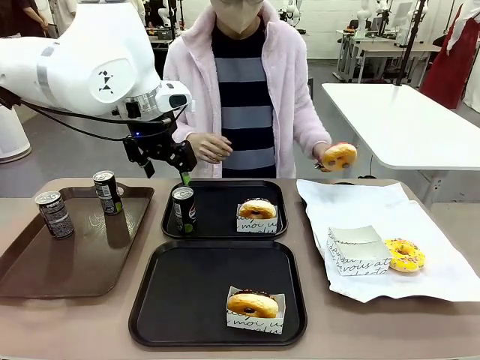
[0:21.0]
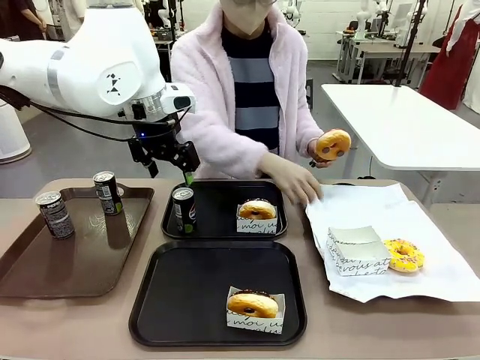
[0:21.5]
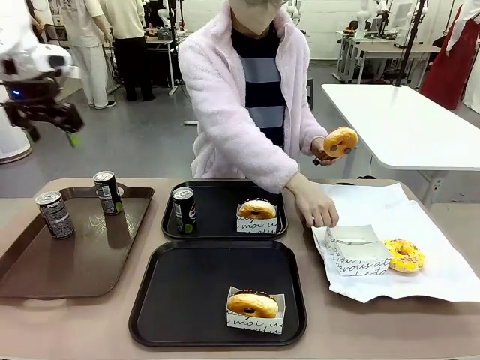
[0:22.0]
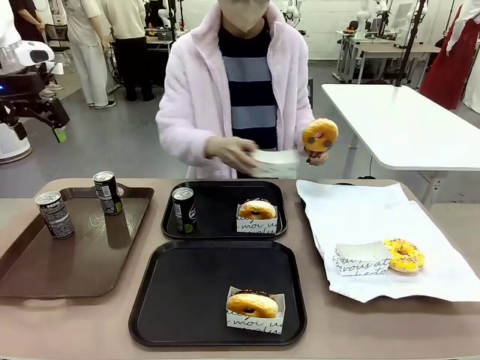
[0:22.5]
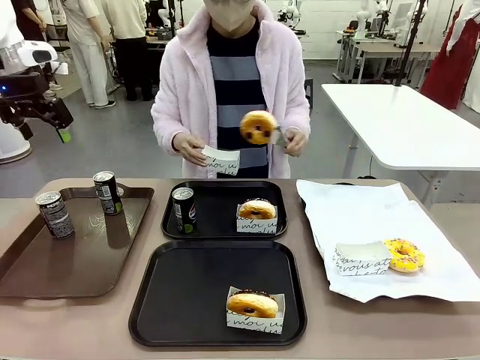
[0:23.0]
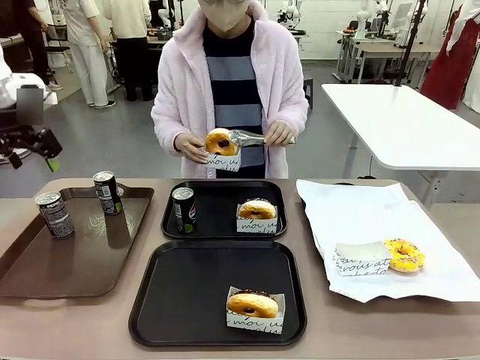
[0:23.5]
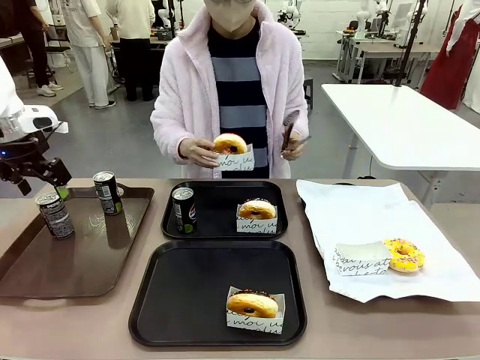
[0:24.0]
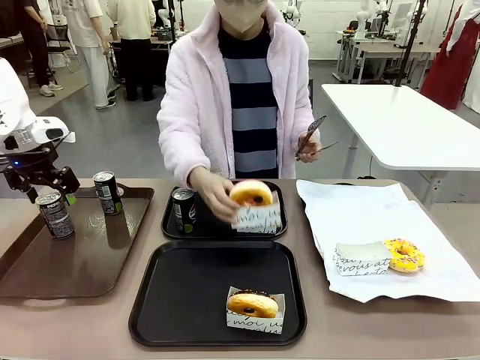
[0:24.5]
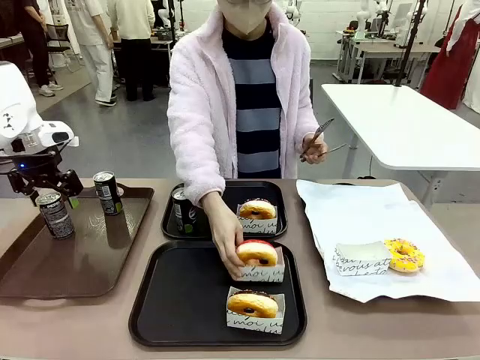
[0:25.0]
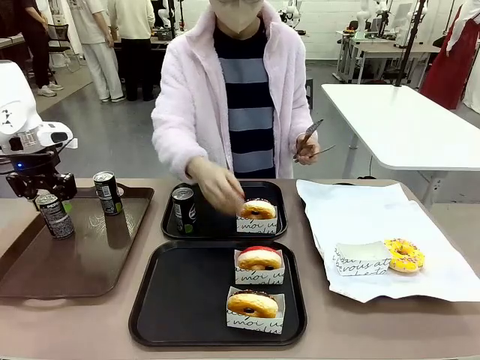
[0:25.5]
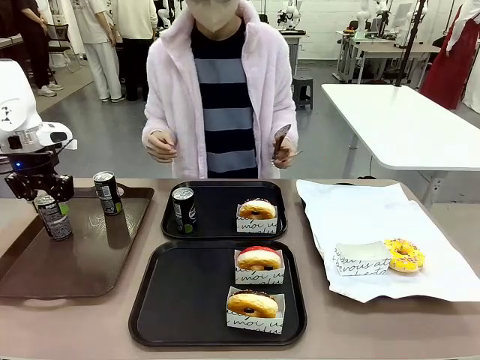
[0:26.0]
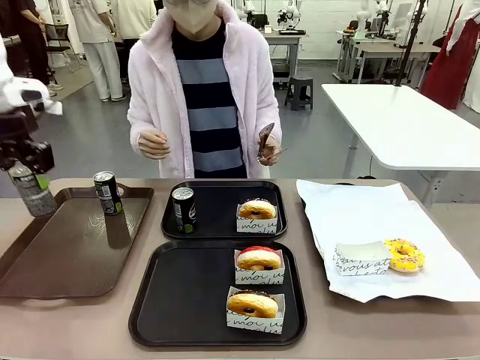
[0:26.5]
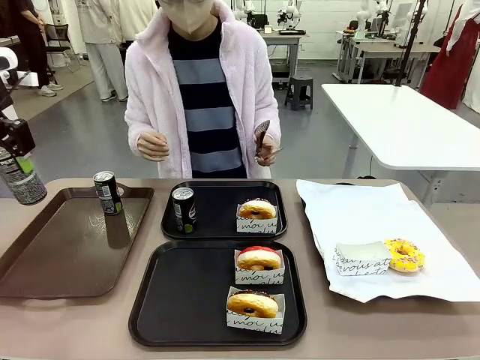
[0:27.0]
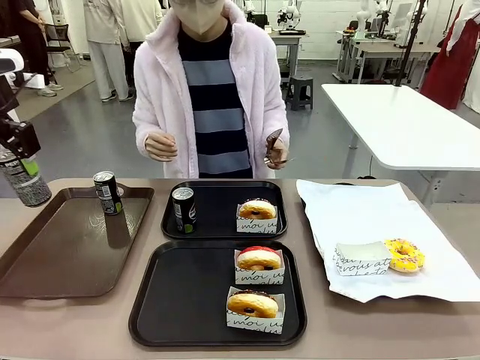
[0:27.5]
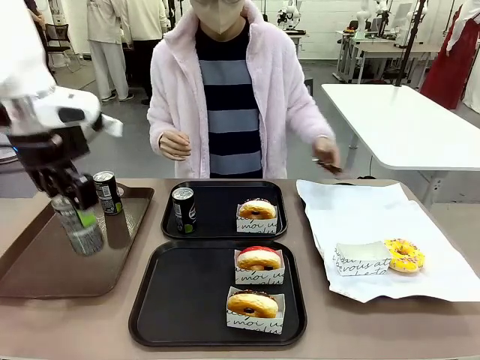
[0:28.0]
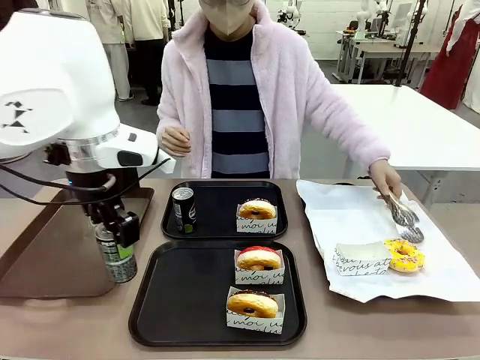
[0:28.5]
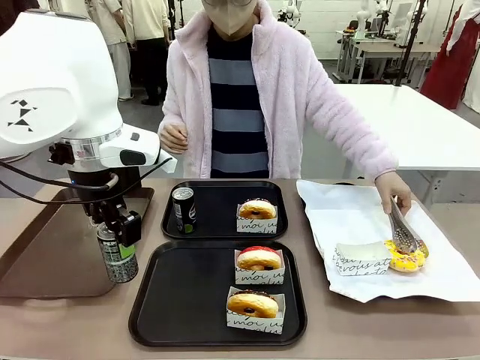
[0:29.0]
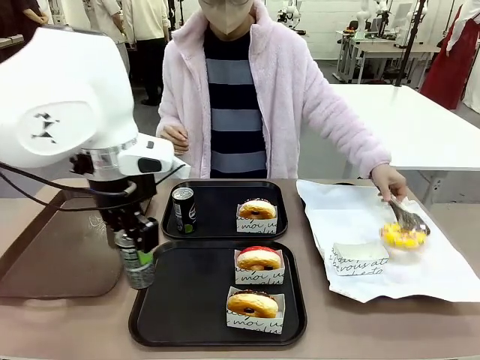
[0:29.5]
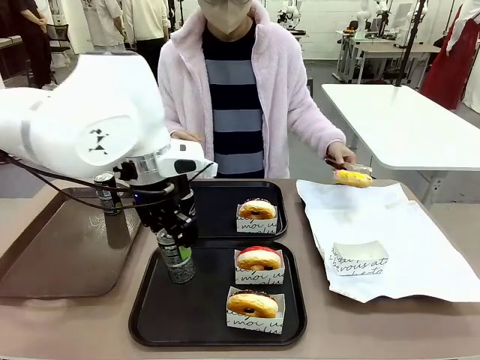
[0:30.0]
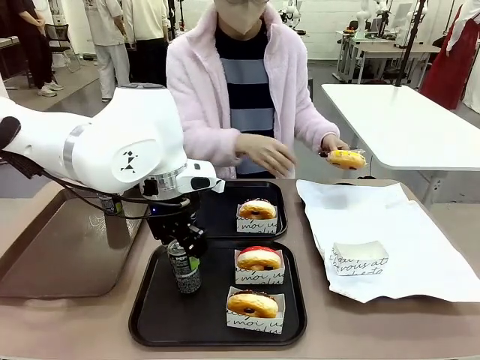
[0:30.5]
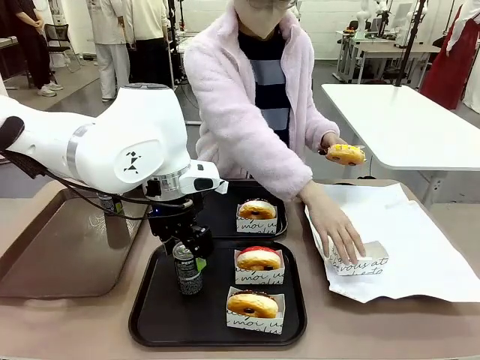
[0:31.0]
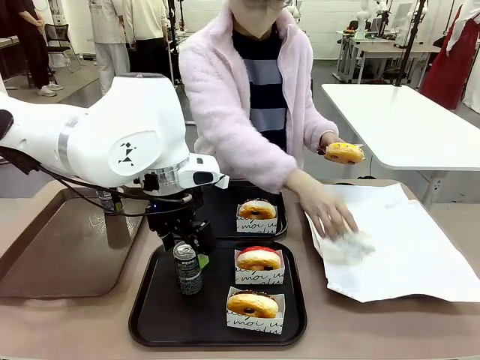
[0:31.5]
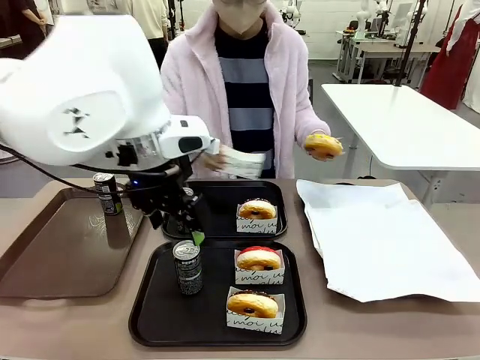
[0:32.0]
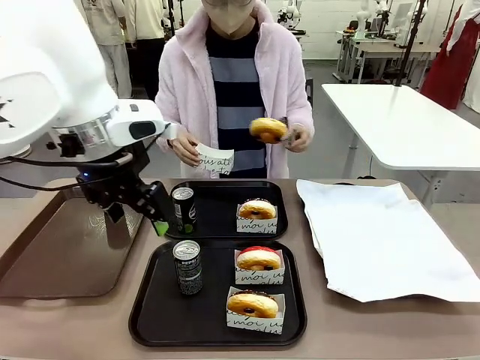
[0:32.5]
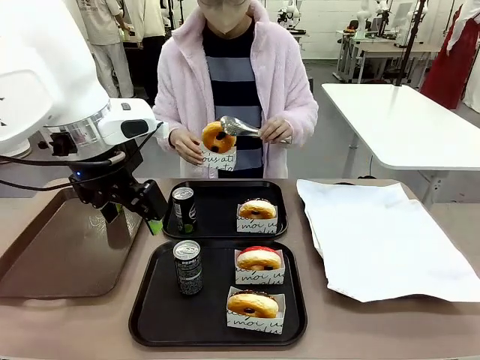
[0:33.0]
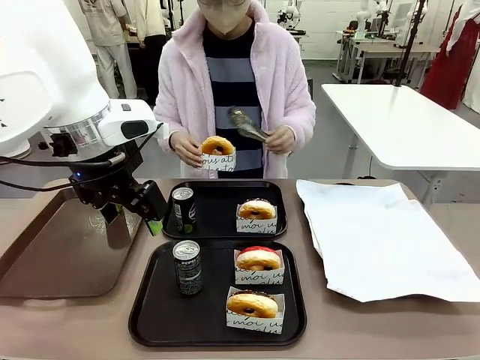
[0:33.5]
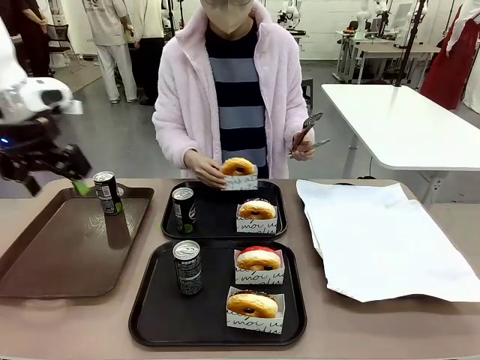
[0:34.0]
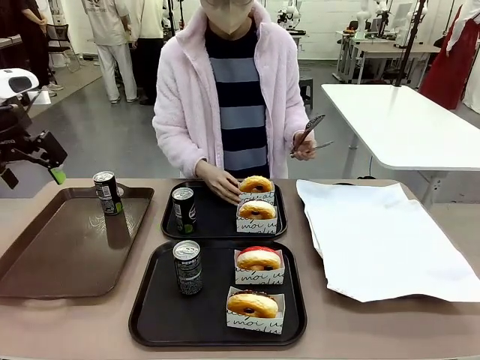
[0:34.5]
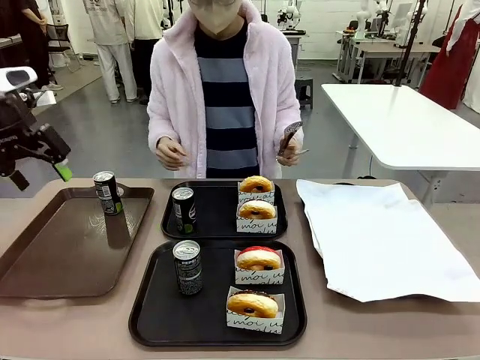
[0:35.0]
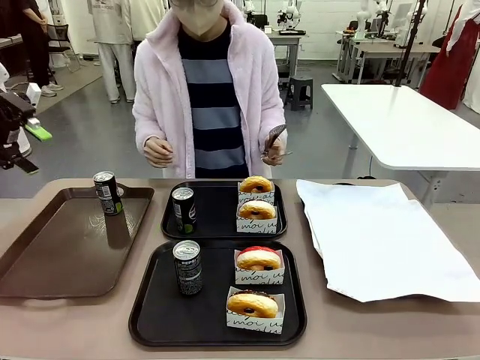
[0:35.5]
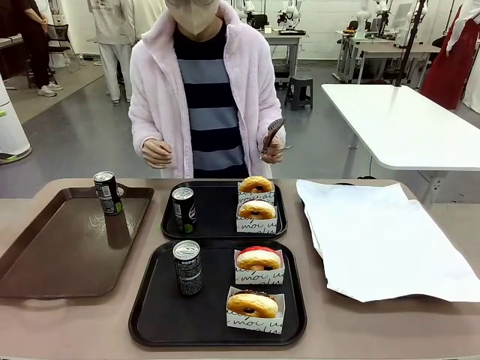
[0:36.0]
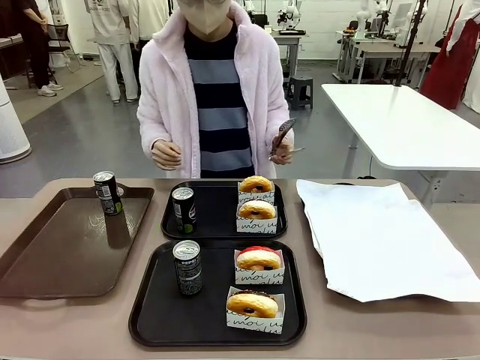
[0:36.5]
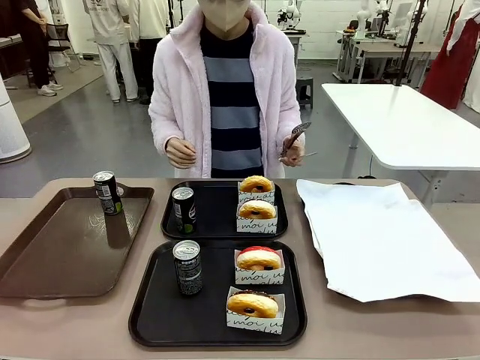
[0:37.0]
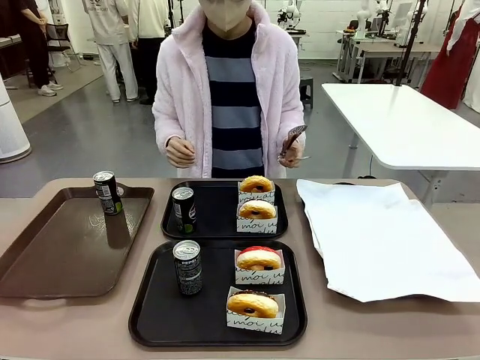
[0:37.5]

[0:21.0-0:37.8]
Task: Set up donuts and drinks on trays.
Robot: Pick up one Pepsi coke from the Handle tray and place it on the Flat Tray without a Pepsi coke.

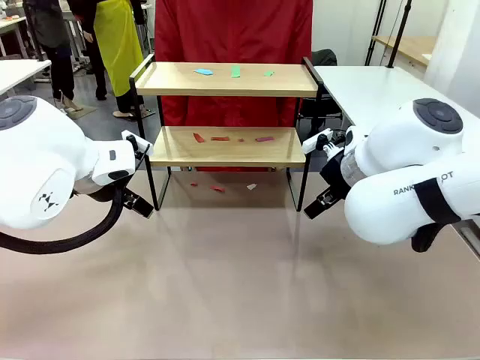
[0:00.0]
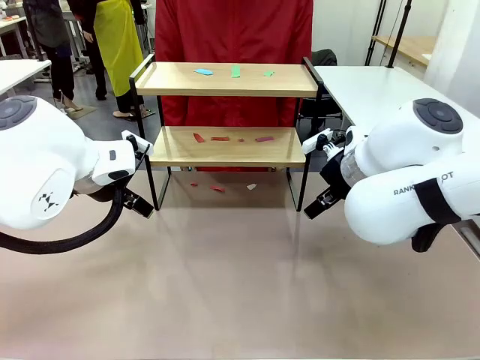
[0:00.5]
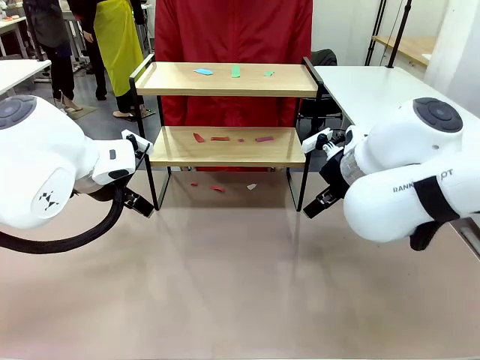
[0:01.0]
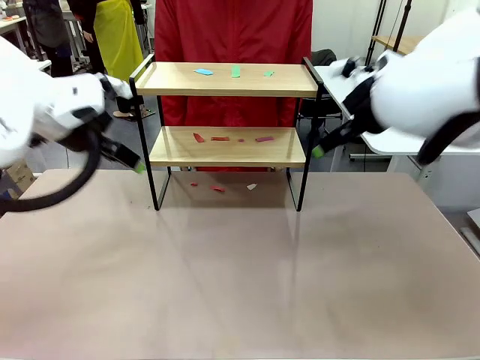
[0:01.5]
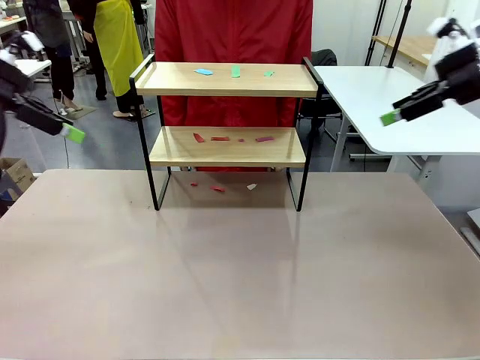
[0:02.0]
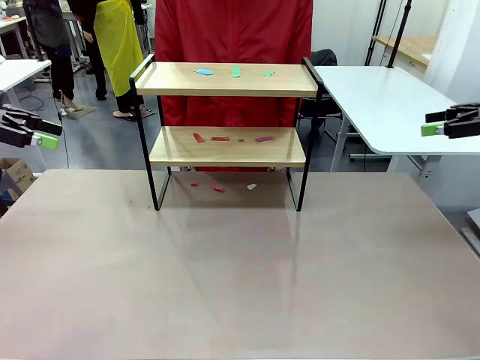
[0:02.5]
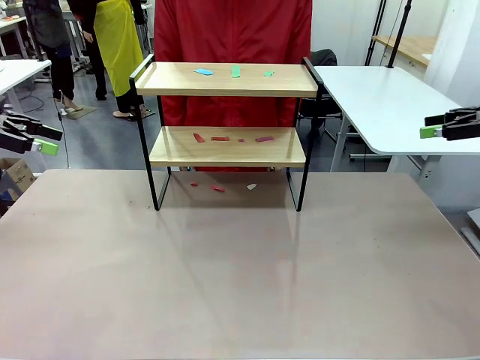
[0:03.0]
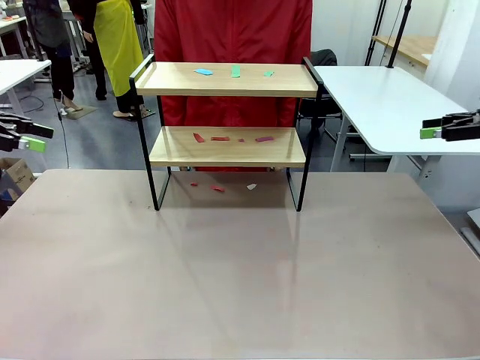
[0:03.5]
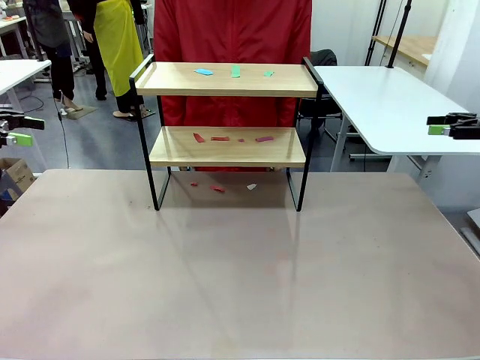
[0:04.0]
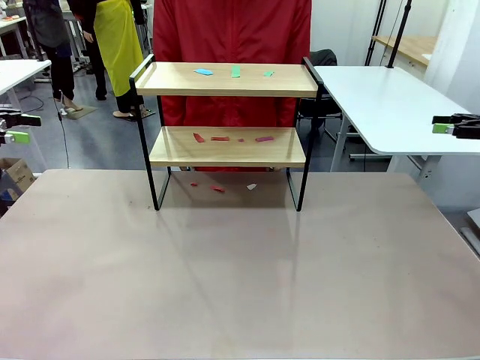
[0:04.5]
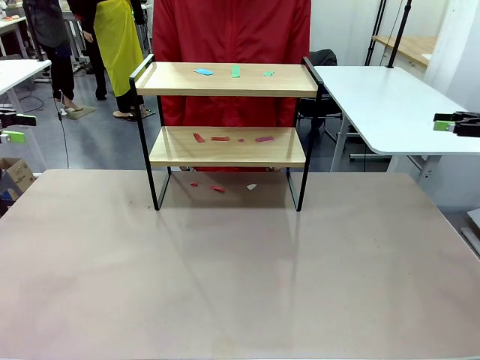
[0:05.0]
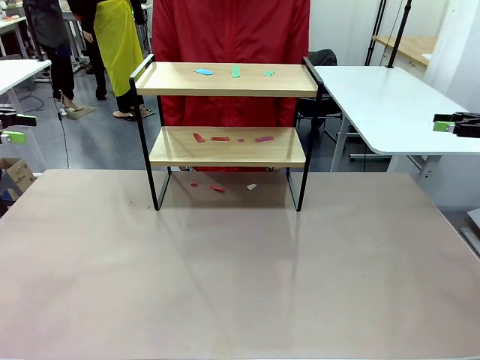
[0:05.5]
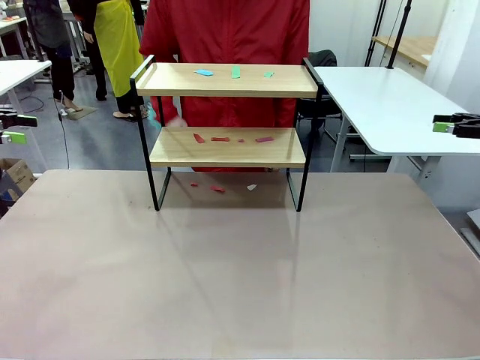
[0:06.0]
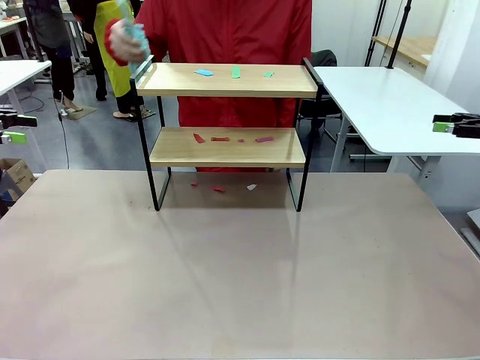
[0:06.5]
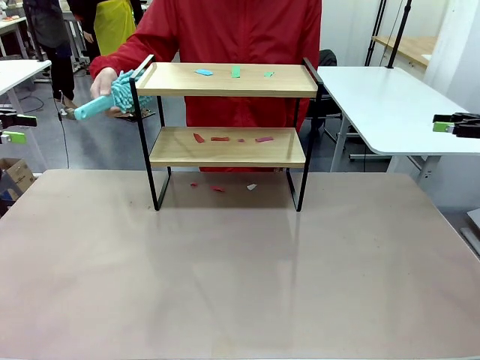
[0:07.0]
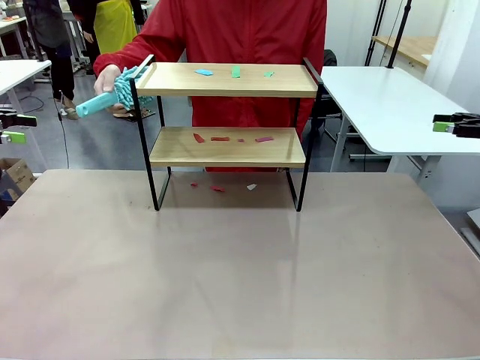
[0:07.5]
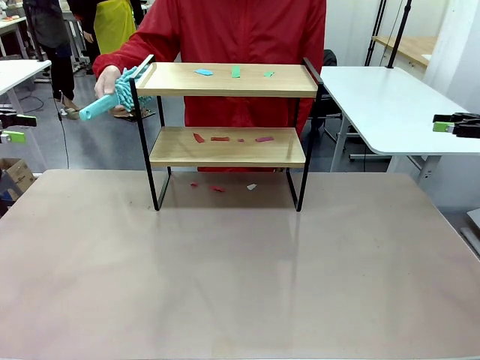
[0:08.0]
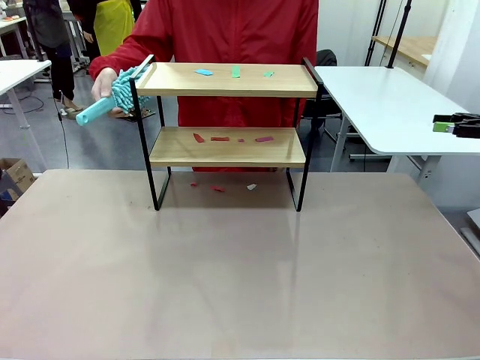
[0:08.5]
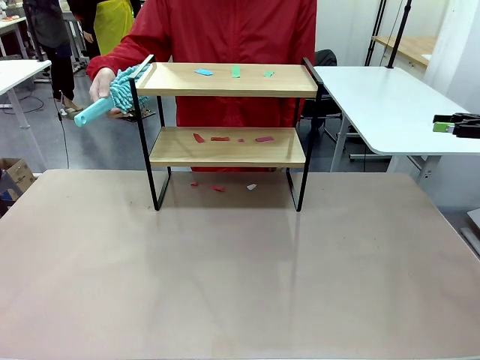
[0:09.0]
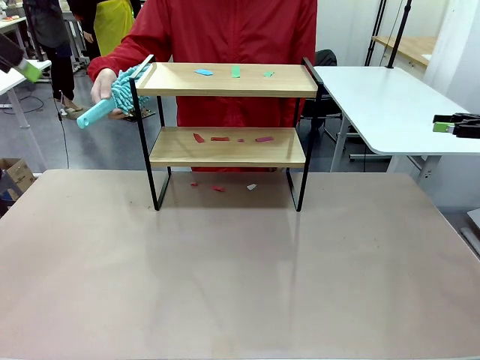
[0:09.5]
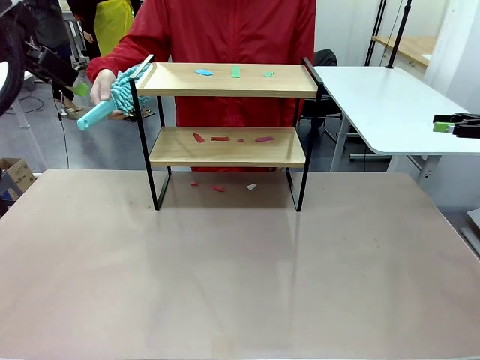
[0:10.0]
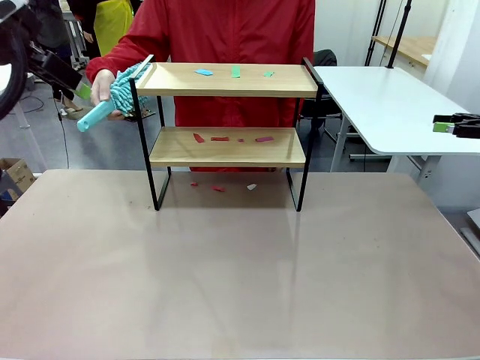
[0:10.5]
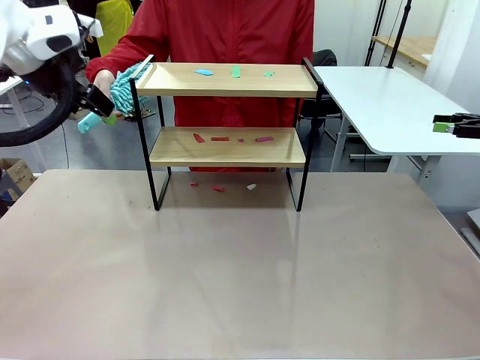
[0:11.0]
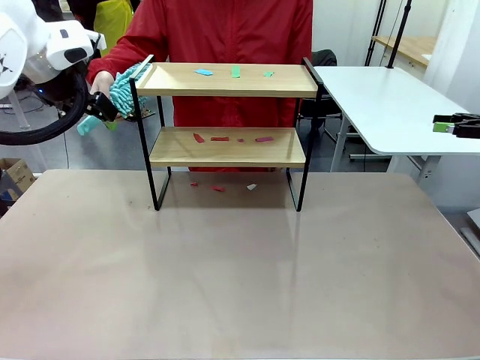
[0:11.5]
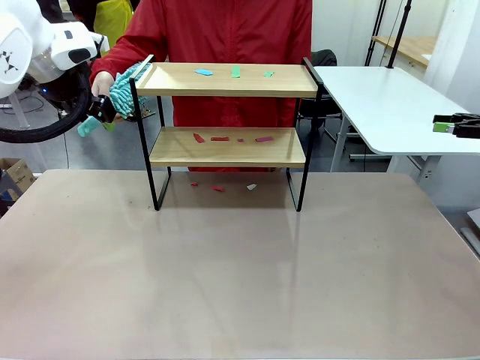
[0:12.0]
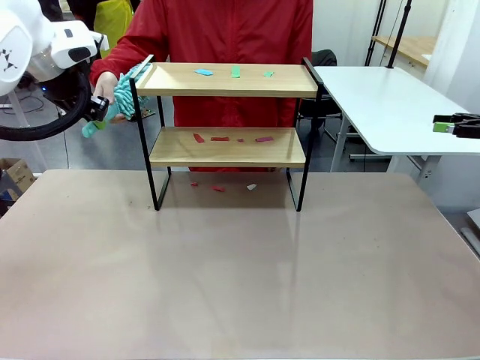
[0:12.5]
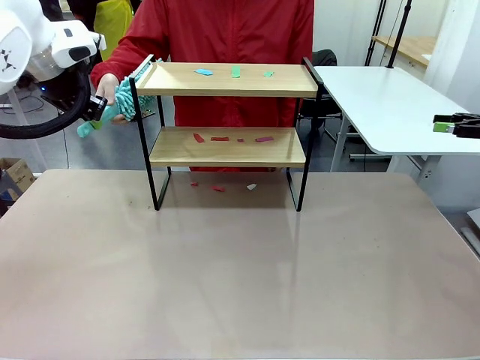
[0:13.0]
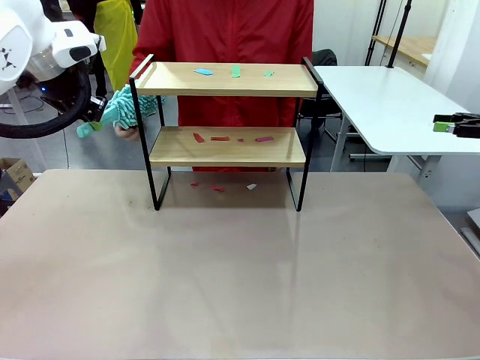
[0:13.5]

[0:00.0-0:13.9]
Task: Clean the shelf.
Robot: Pick up the Duster handed by the human.
Person: Hand the Duster to the robot.
